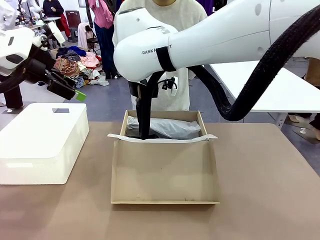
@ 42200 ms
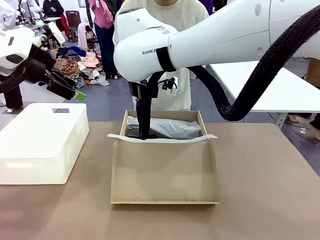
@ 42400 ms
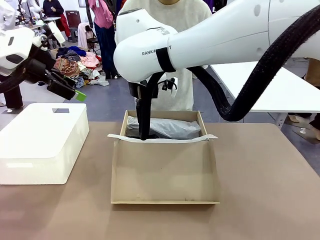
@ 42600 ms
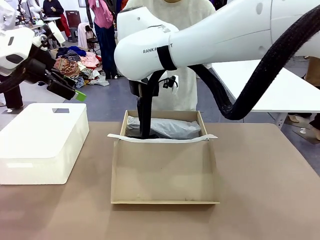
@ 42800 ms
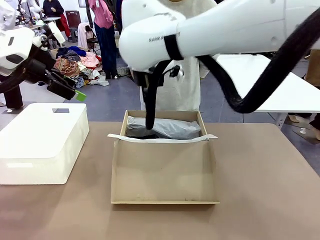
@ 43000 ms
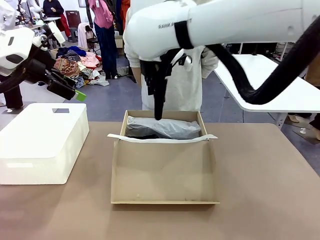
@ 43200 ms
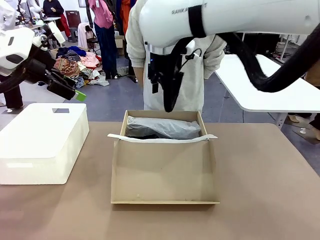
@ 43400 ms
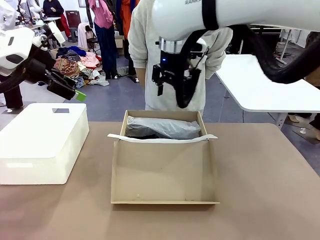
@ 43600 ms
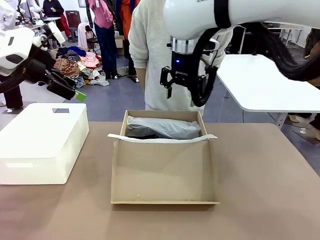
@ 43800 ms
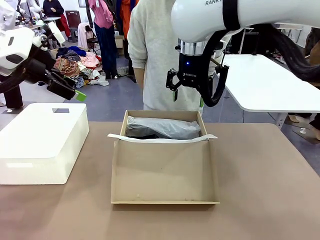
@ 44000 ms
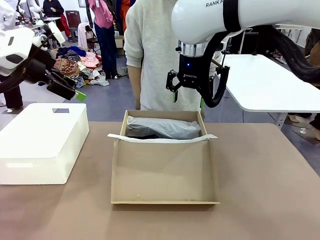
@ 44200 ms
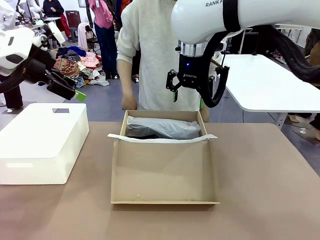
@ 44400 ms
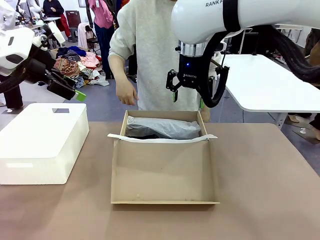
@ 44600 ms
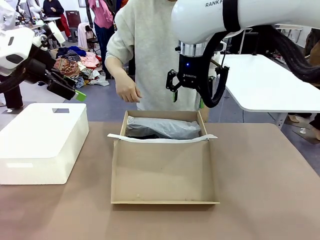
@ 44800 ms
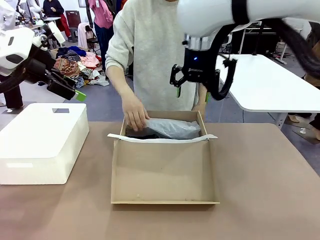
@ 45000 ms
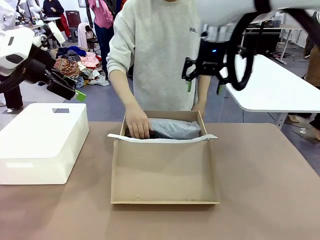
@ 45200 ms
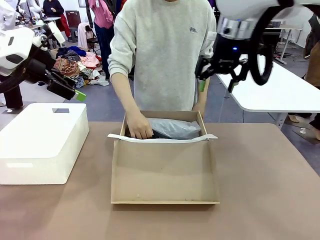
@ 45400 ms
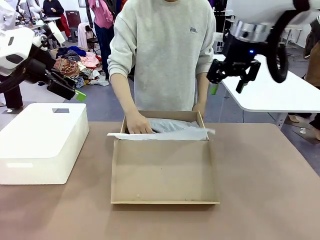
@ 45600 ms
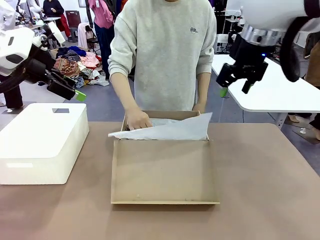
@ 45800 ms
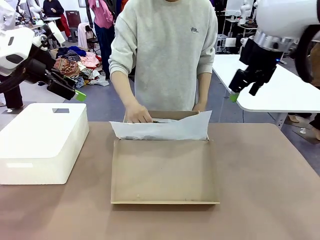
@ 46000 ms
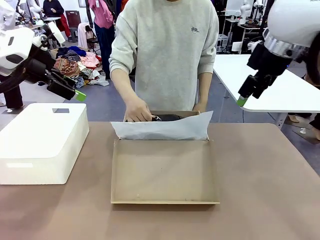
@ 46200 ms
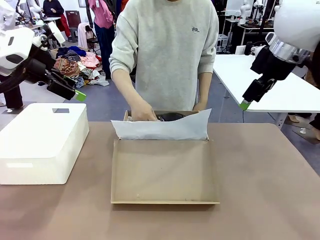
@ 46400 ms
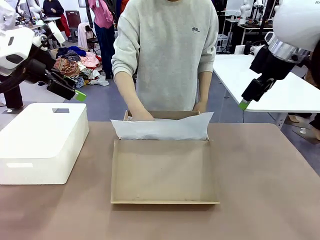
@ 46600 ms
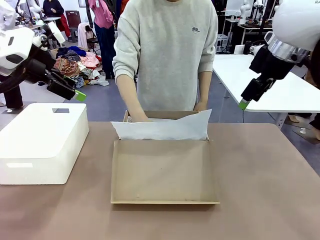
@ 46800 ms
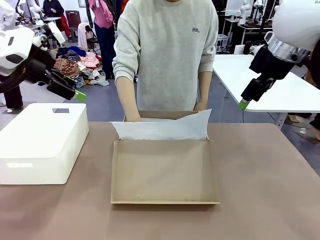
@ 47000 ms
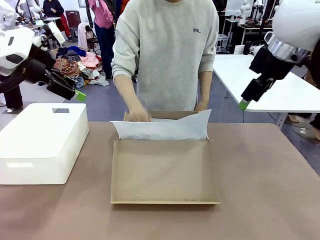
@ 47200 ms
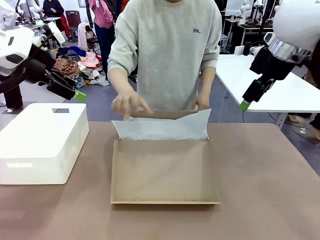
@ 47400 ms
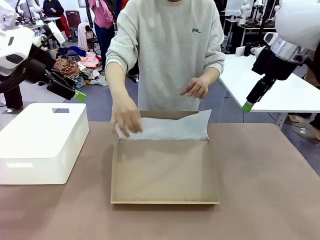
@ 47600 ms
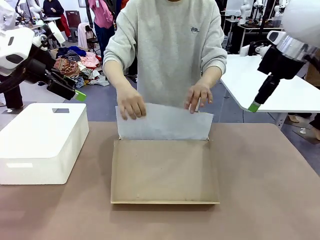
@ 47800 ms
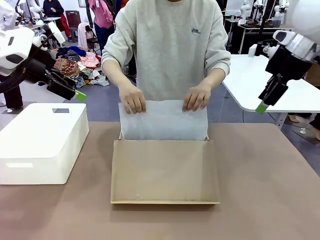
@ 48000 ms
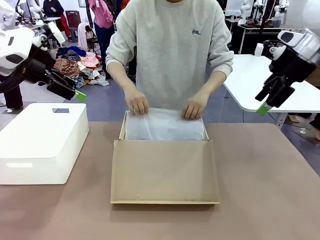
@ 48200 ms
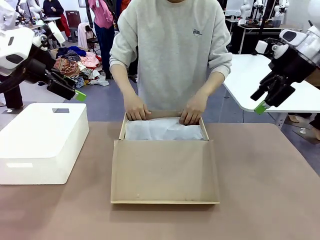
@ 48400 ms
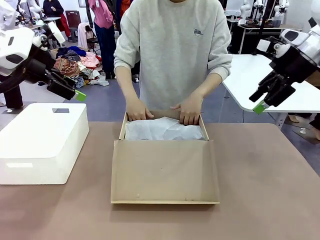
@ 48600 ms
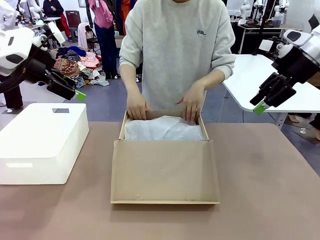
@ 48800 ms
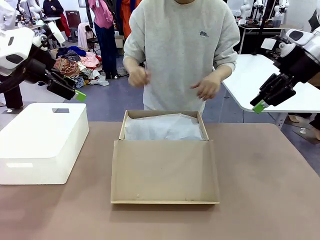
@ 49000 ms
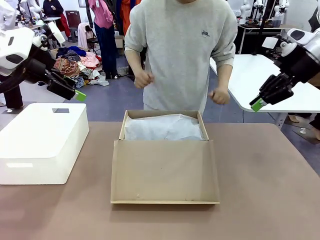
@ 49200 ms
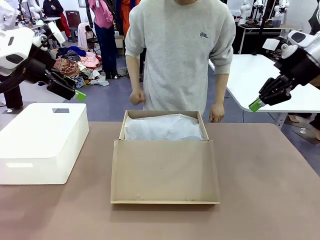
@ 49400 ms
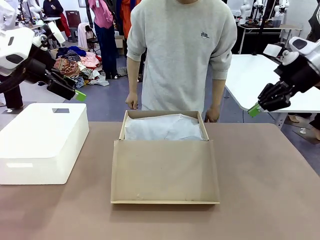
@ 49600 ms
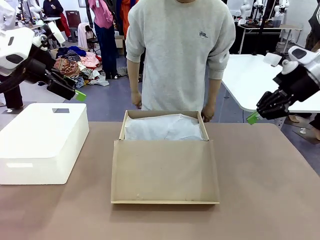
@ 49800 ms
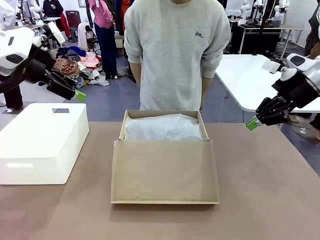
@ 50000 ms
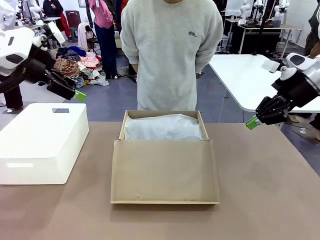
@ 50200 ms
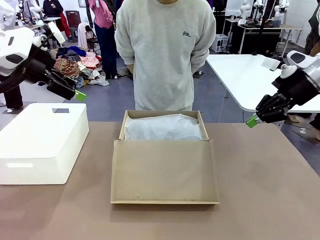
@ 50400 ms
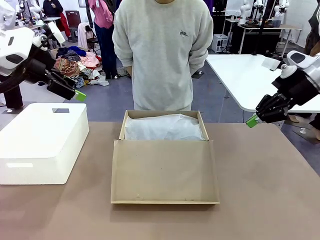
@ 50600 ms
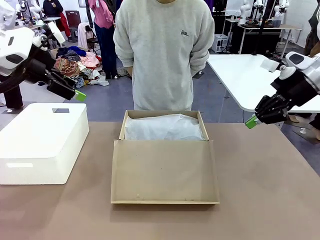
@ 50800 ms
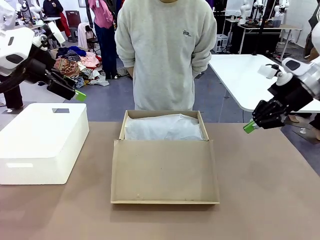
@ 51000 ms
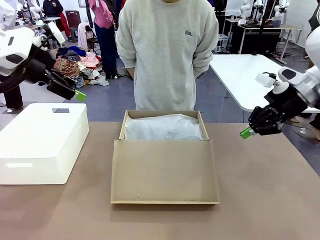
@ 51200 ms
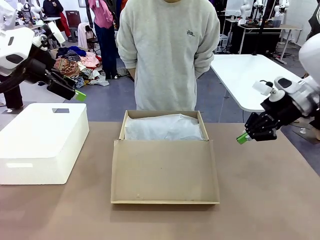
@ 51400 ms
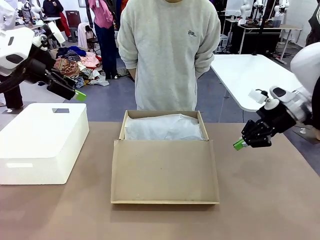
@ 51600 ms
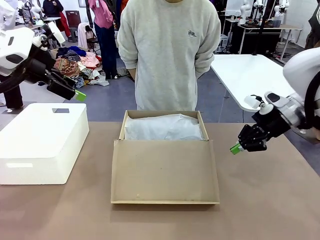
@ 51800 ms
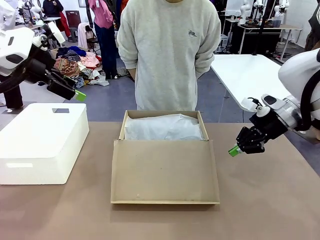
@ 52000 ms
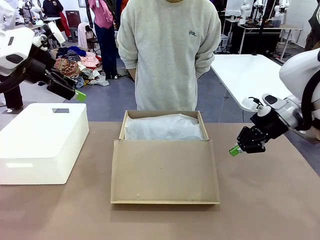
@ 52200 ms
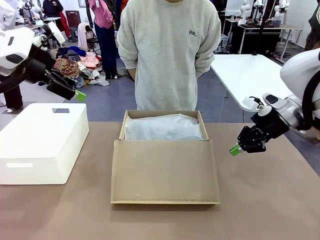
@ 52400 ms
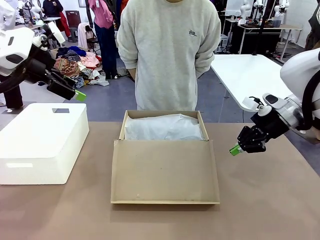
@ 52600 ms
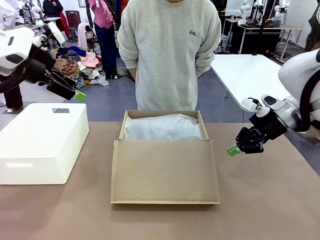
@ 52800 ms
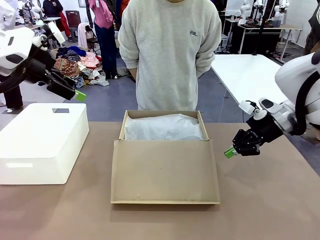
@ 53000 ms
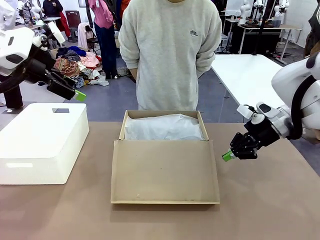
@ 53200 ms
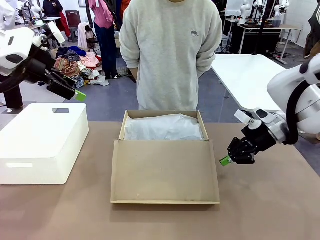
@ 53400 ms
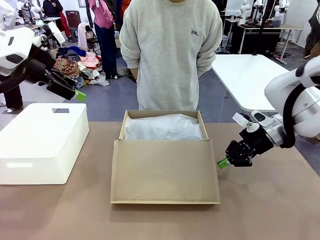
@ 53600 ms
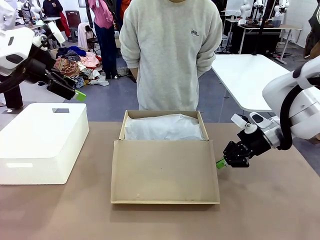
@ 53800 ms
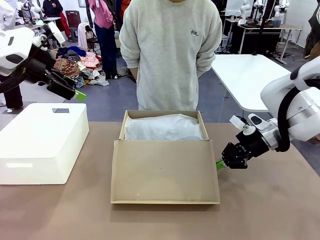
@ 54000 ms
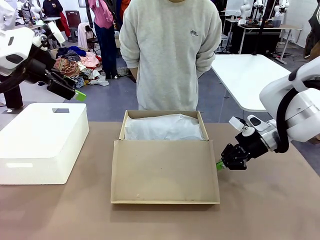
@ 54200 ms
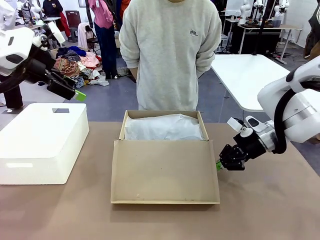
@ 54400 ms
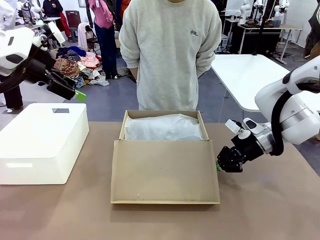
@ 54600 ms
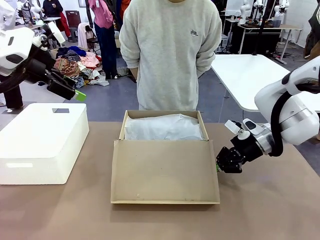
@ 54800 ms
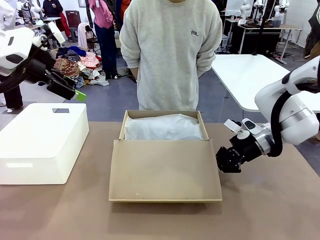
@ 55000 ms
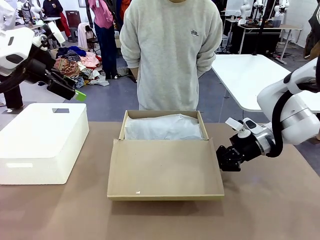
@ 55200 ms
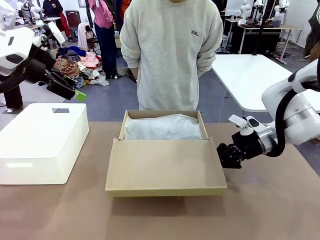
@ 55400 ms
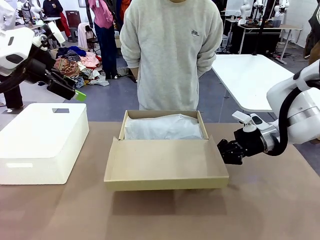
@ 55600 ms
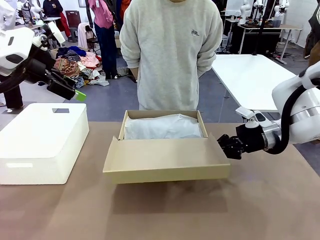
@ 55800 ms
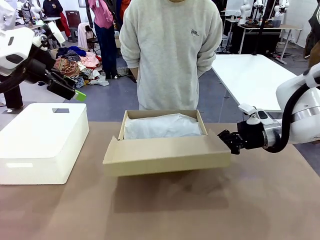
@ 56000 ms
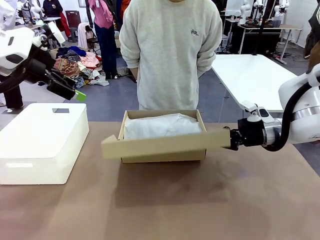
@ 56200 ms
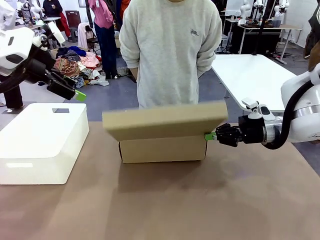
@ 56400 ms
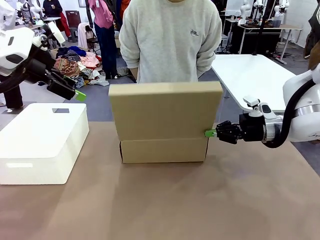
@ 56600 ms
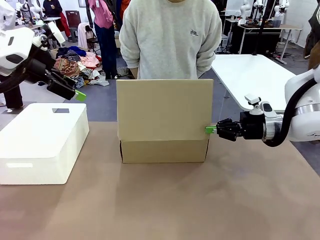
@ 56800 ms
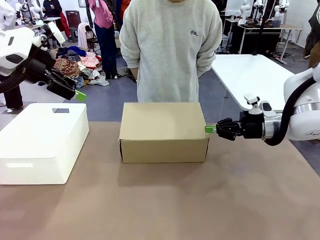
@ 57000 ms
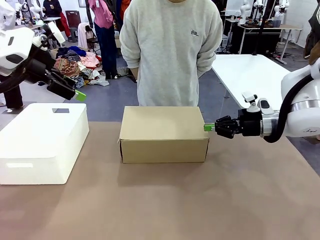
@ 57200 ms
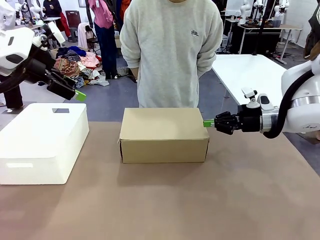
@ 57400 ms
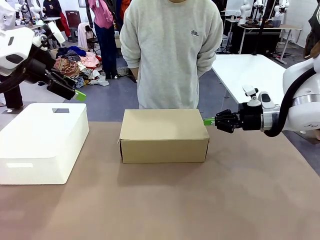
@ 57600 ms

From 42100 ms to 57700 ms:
Task: Pack the shoes into the box.
Robot: Close the Shoes Box.
